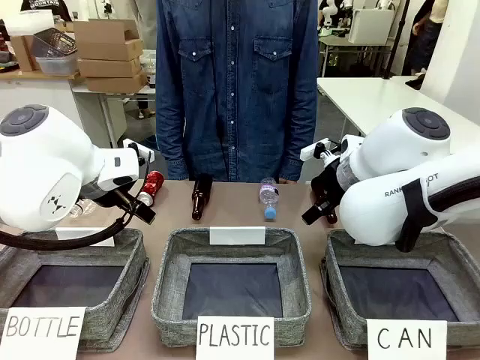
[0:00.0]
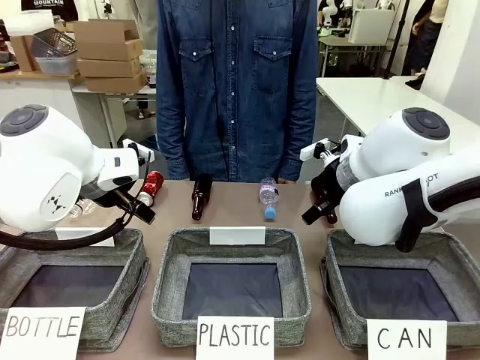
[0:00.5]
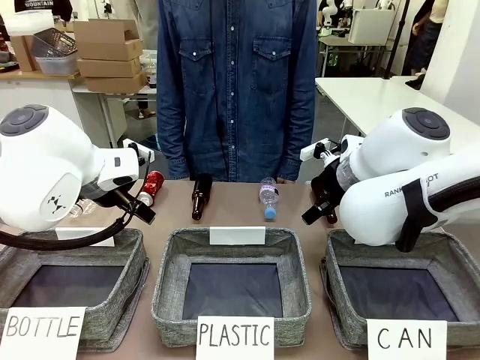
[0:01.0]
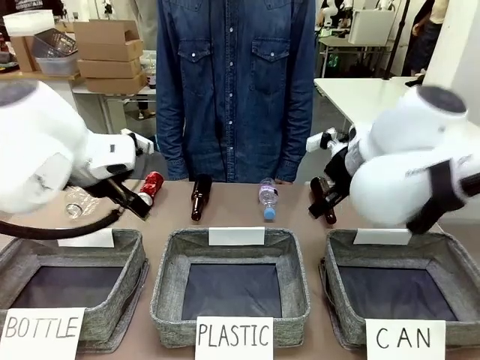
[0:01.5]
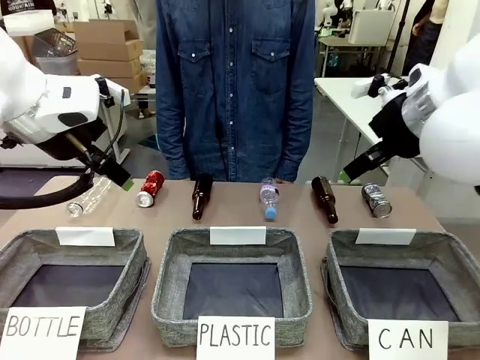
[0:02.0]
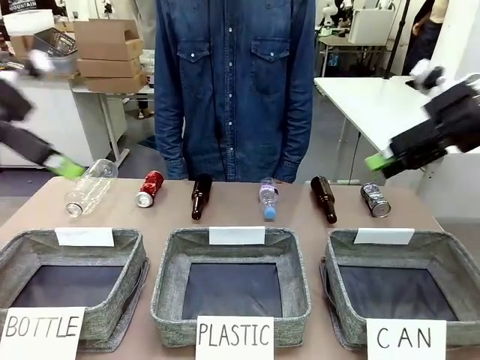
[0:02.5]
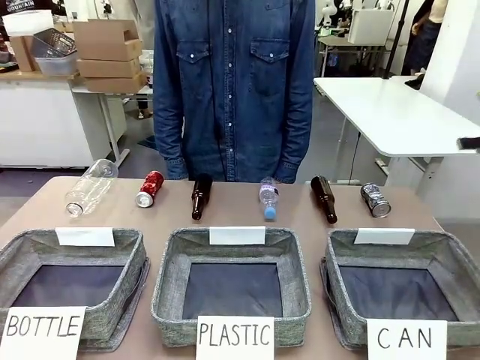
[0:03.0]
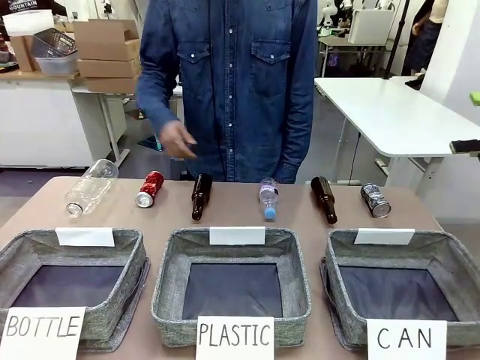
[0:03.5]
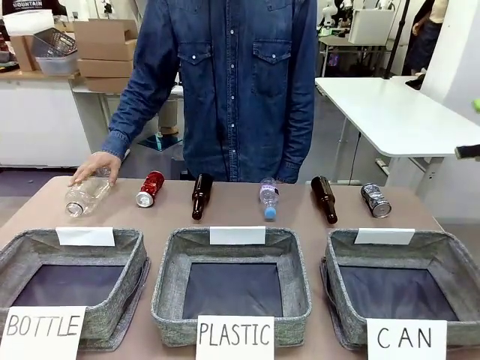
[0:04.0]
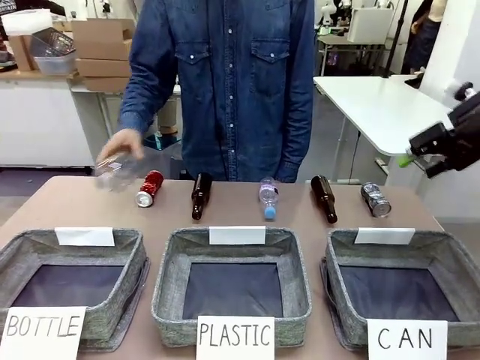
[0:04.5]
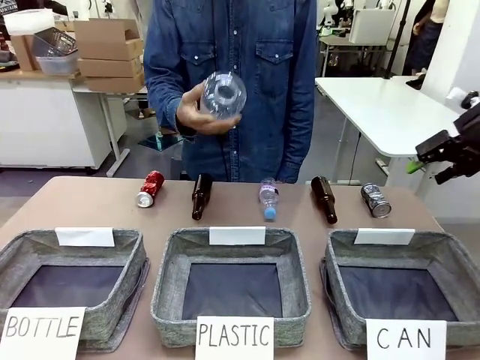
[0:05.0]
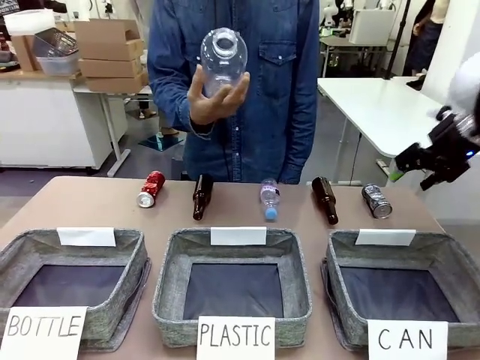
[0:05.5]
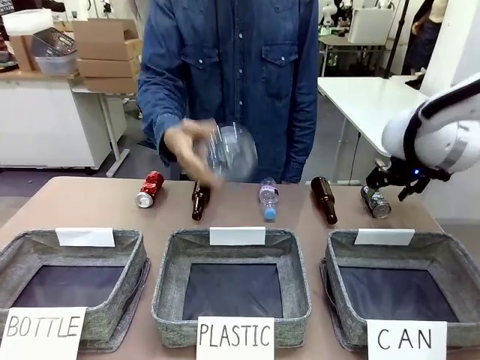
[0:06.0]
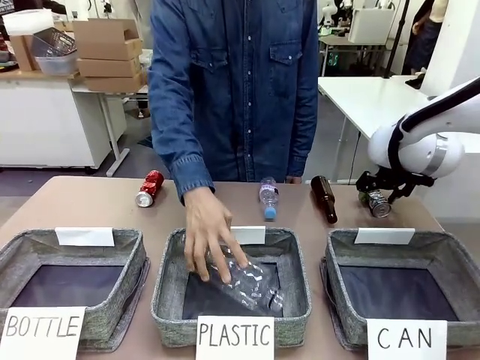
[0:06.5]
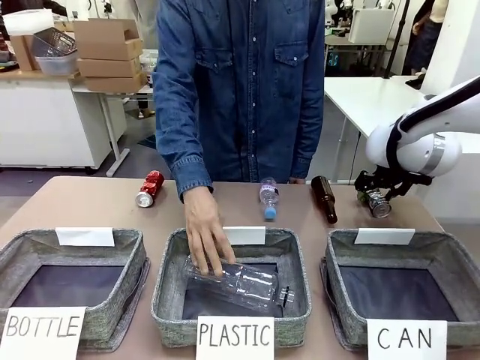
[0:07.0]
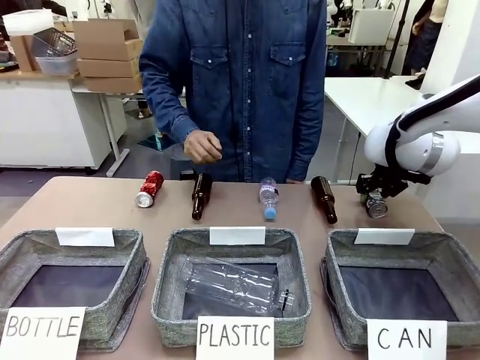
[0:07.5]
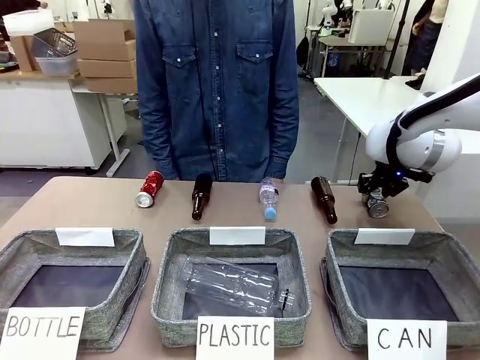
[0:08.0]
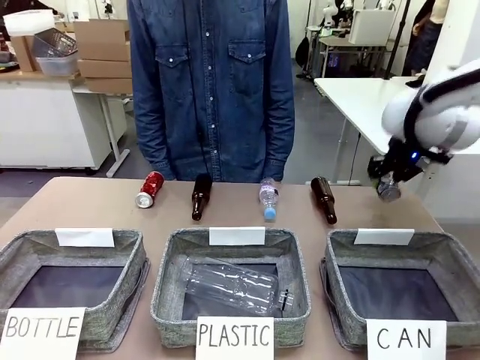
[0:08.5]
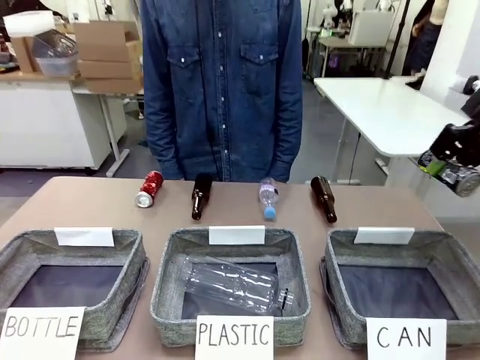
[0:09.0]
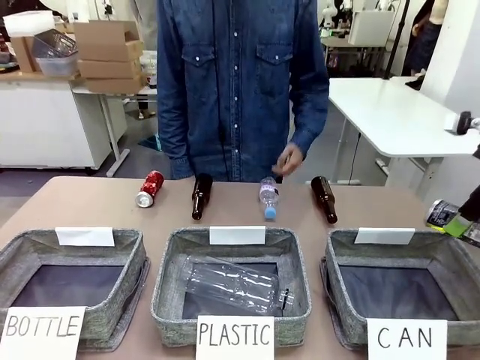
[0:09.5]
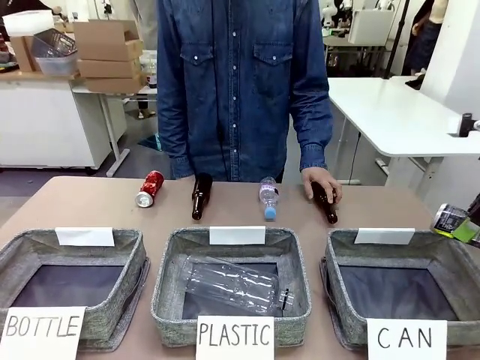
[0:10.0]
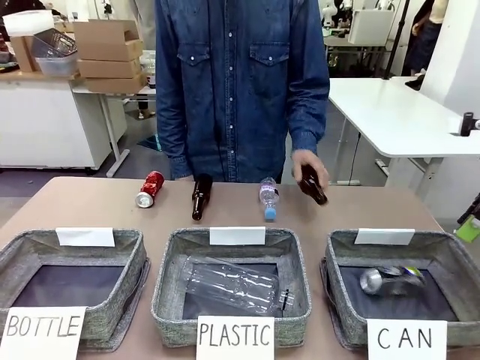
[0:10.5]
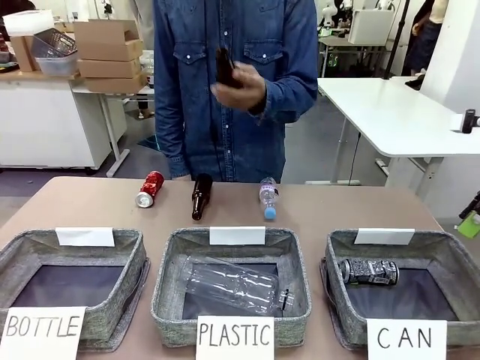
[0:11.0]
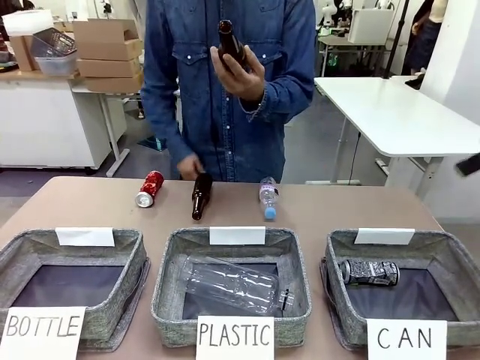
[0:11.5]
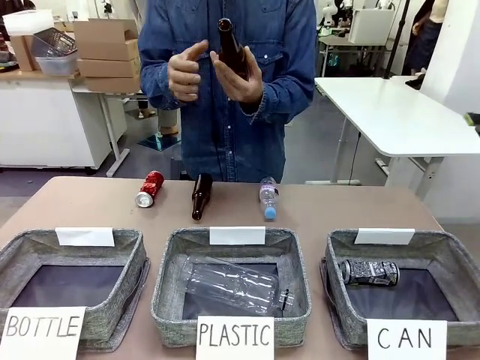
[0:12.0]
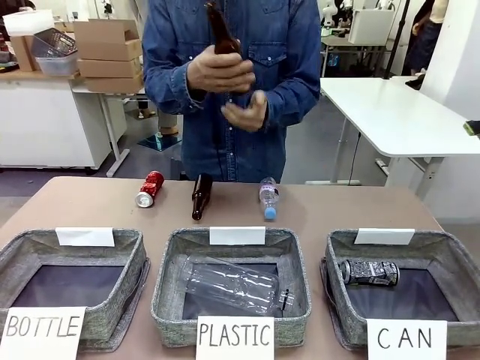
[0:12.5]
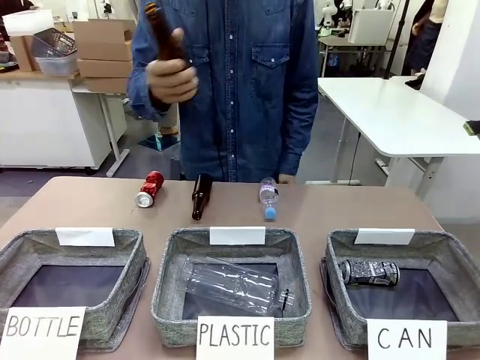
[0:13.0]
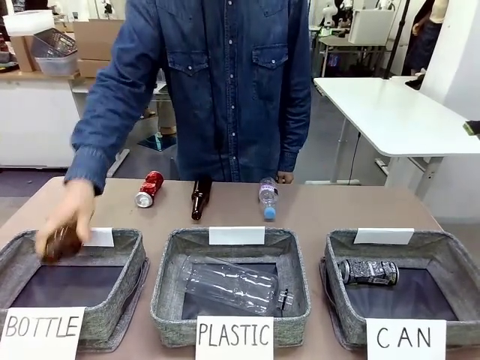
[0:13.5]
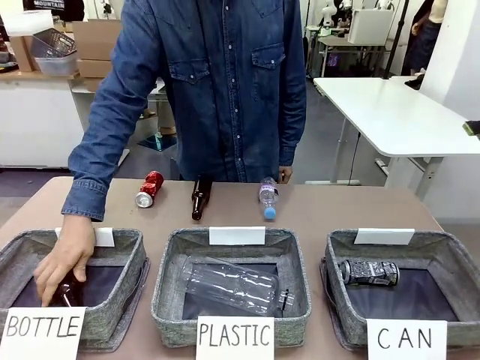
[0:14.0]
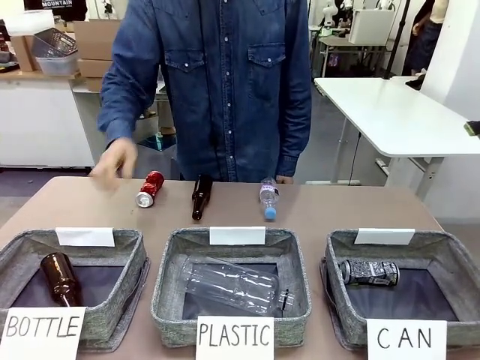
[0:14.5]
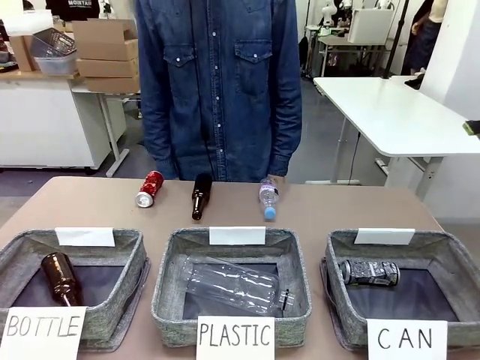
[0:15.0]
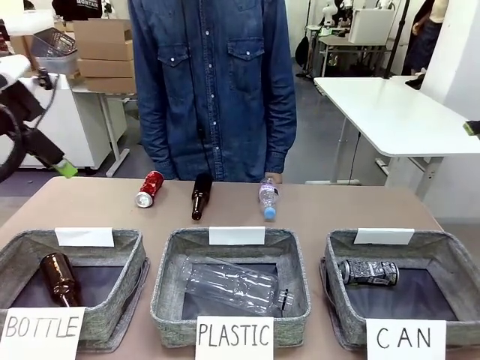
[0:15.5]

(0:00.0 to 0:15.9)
Task: Sort the can waste into the basket.
Robot: Pick up the can waste from the table and place it in the right Fabric basket.

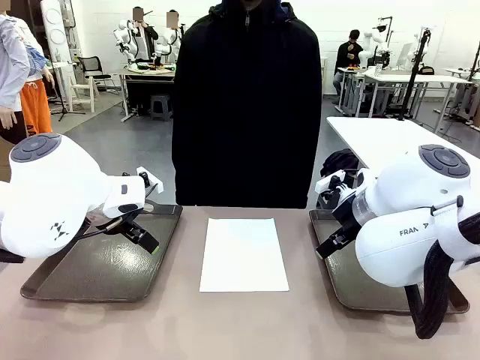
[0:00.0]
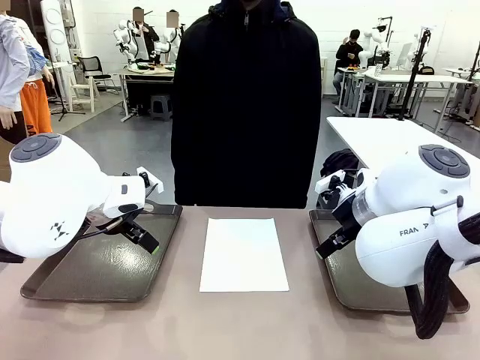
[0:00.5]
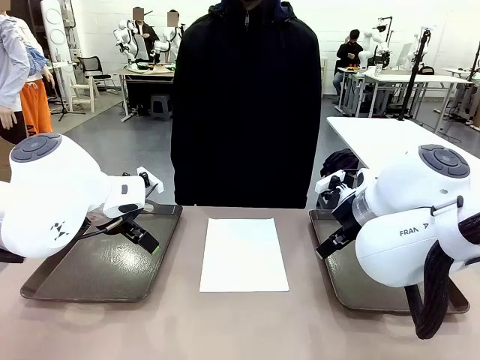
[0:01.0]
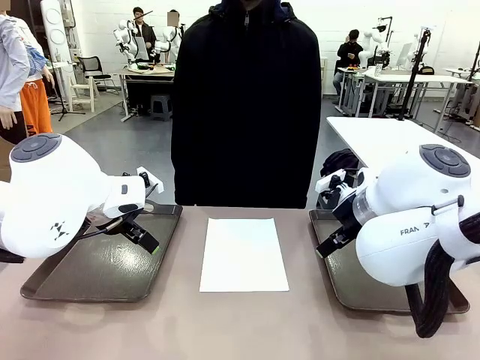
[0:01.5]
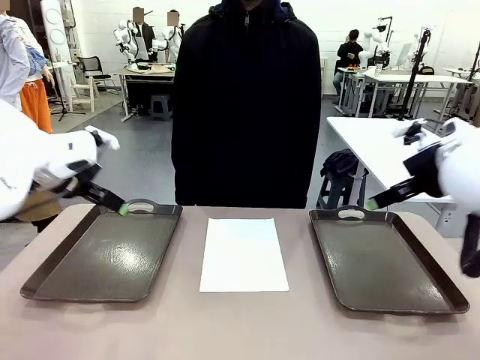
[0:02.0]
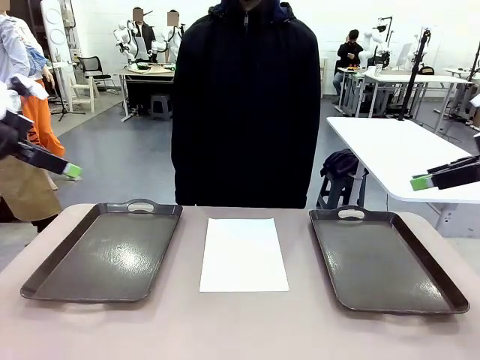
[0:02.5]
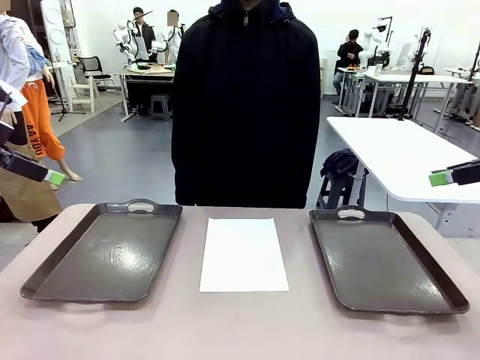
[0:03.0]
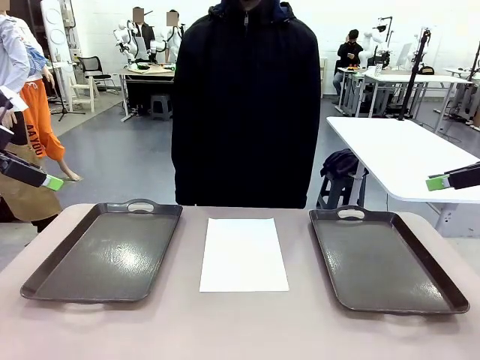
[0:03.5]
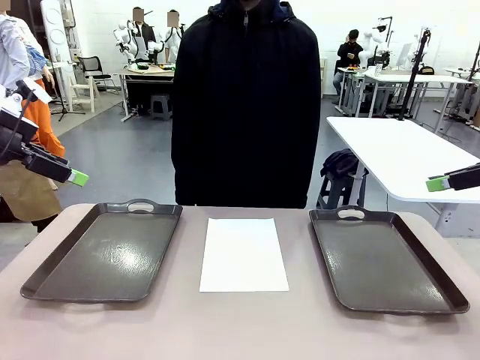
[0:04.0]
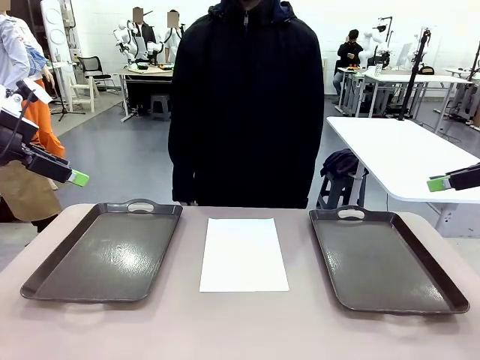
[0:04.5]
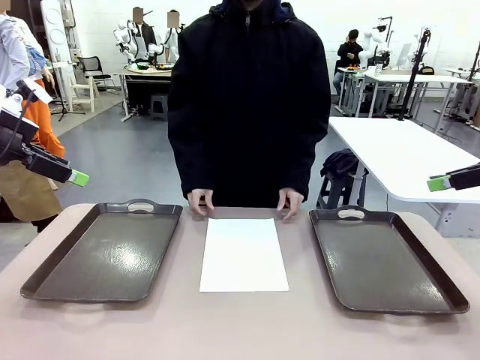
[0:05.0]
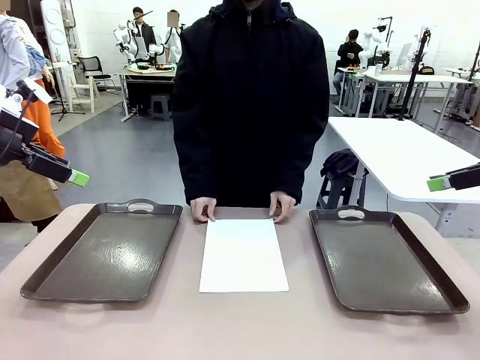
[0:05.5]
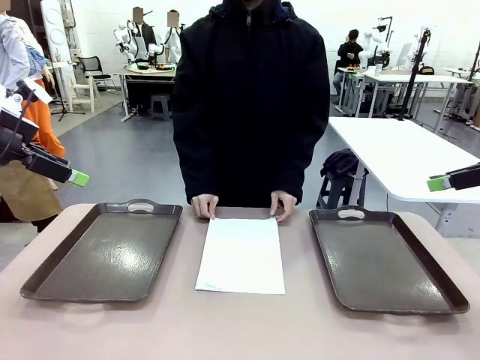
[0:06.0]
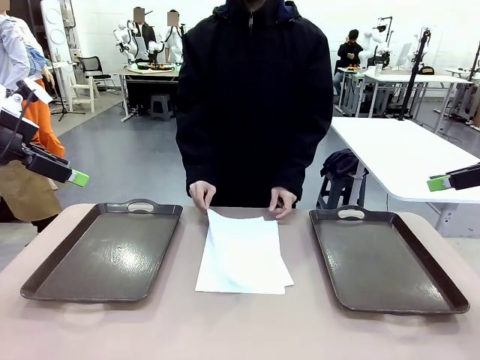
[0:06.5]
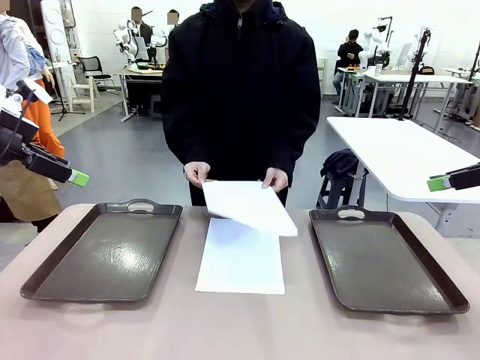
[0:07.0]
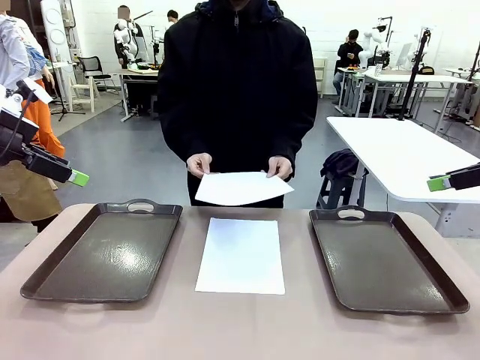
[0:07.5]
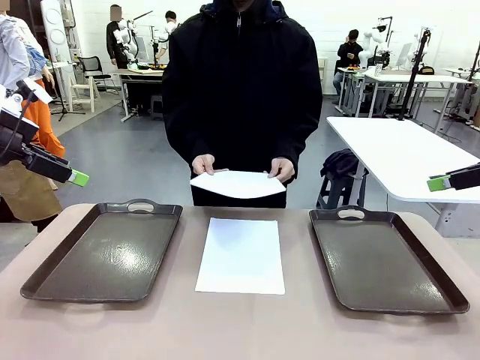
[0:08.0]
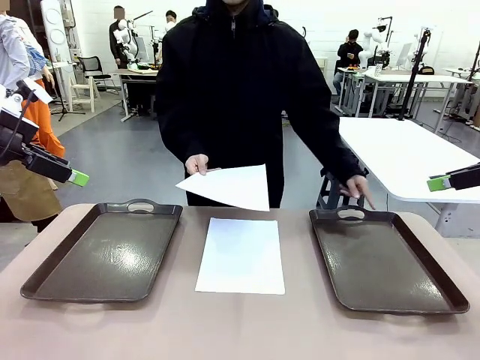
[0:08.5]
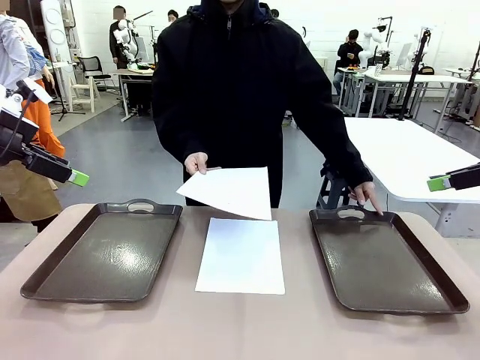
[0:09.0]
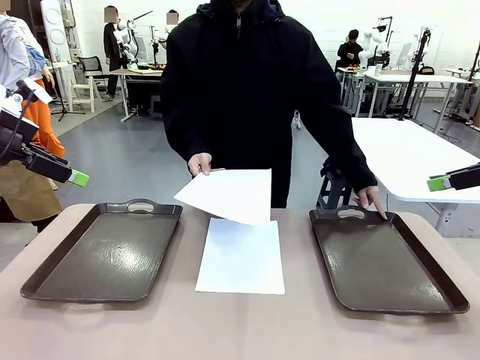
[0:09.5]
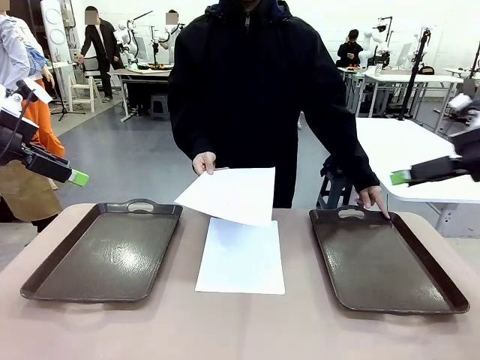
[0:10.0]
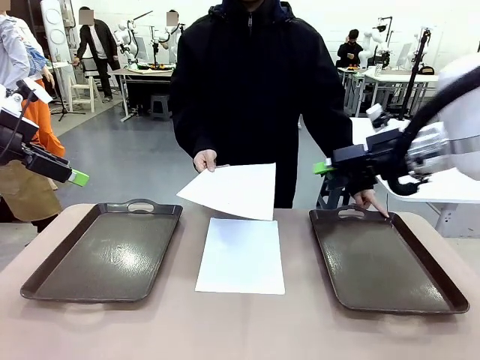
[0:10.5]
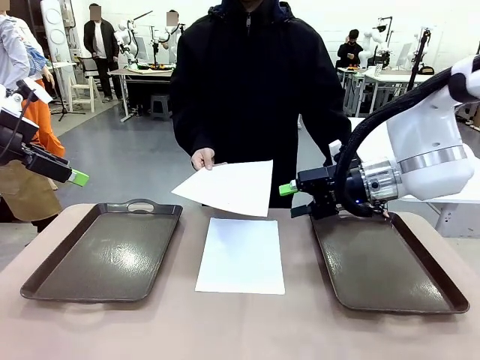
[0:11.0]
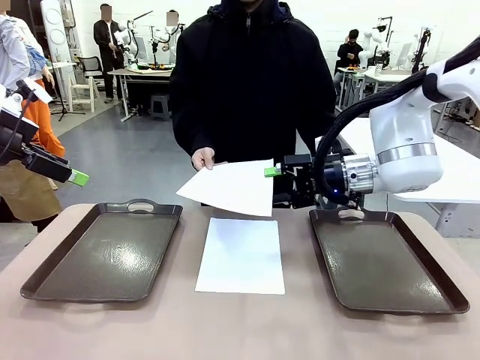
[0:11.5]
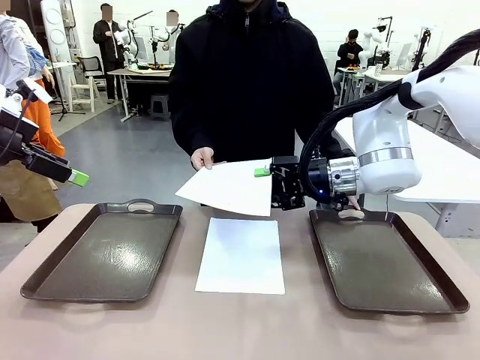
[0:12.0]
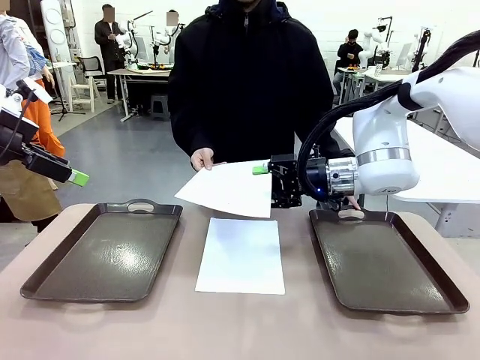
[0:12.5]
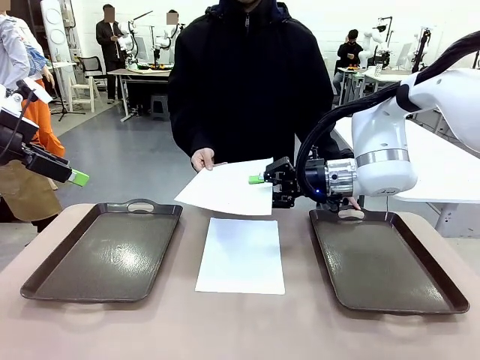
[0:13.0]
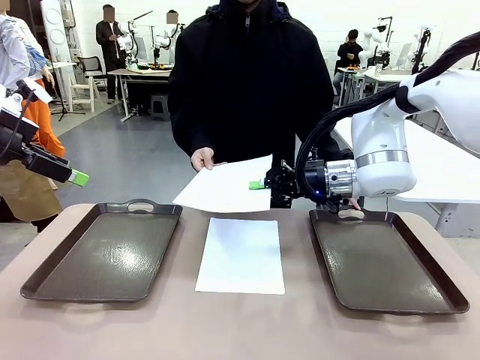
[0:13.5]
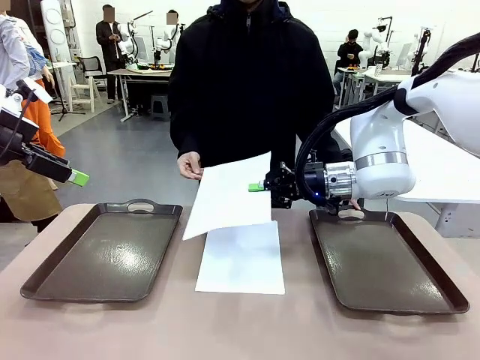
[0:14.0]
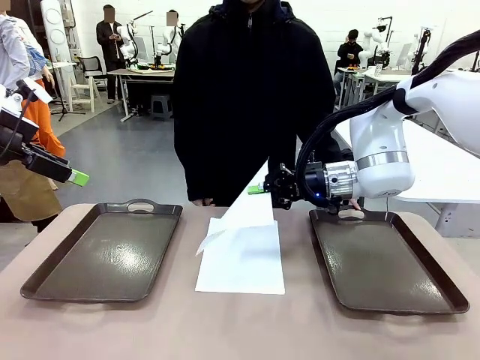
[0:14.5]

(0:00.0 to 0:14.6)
Task: Sort the A4 documents.
Robot: Receive the A4 Paper.
Person: Pick up a sheet of paper from the center of the table and hand it to the robot. Point the randomly selected tray with the other hand.
